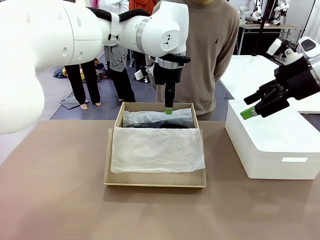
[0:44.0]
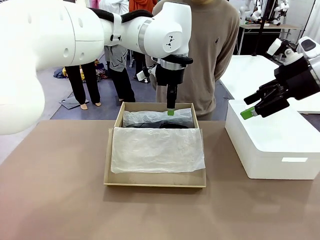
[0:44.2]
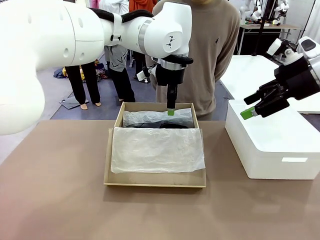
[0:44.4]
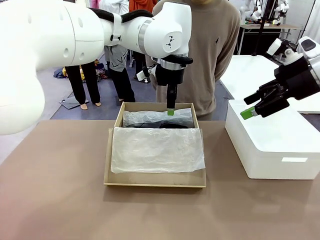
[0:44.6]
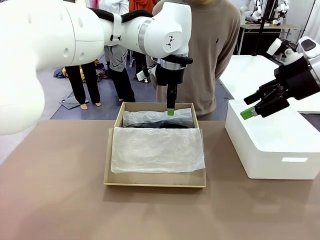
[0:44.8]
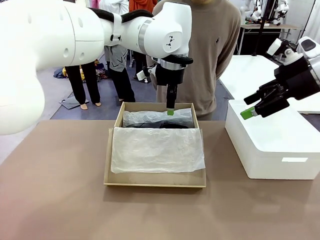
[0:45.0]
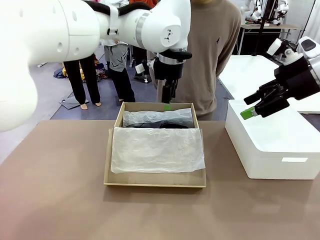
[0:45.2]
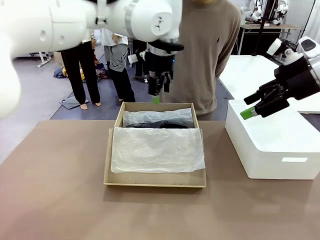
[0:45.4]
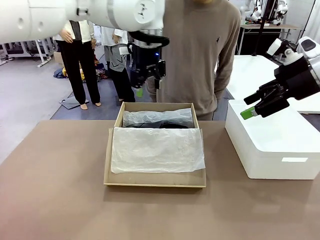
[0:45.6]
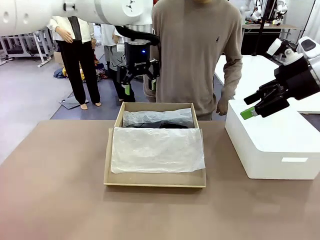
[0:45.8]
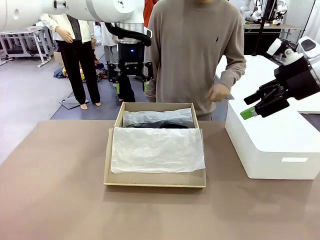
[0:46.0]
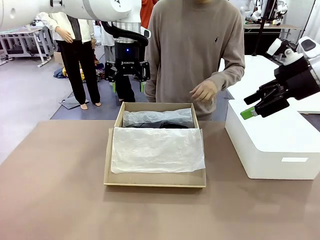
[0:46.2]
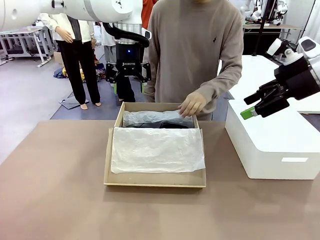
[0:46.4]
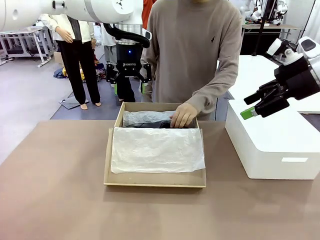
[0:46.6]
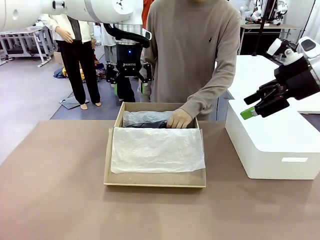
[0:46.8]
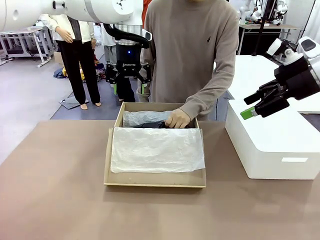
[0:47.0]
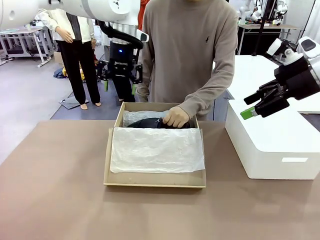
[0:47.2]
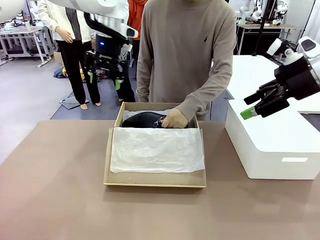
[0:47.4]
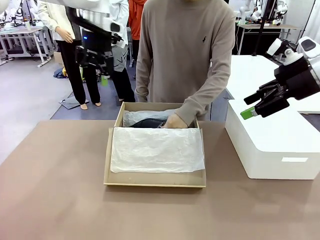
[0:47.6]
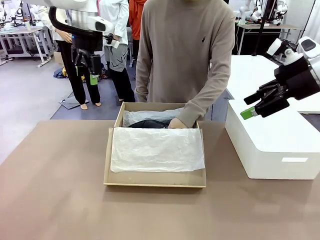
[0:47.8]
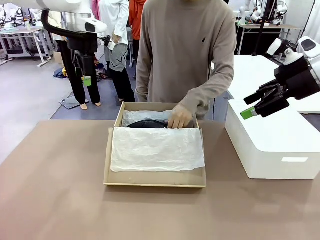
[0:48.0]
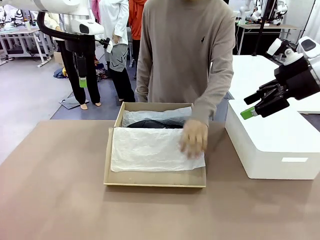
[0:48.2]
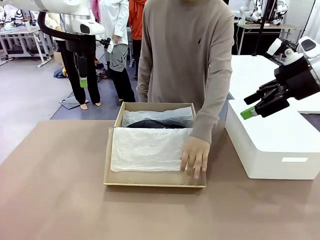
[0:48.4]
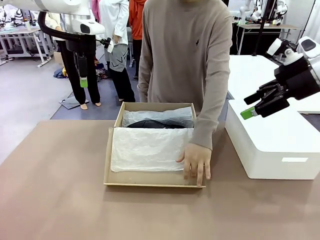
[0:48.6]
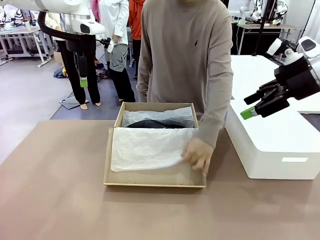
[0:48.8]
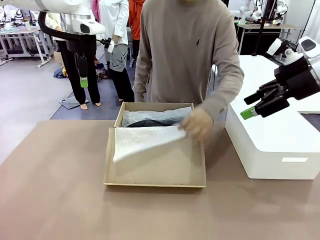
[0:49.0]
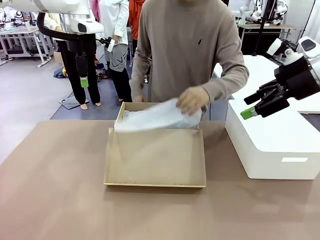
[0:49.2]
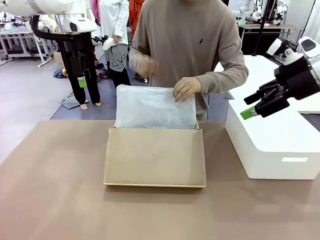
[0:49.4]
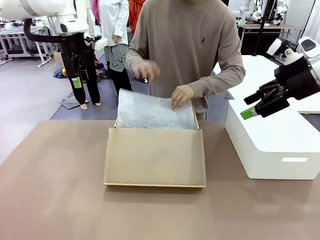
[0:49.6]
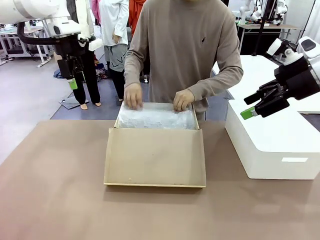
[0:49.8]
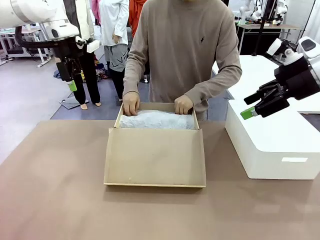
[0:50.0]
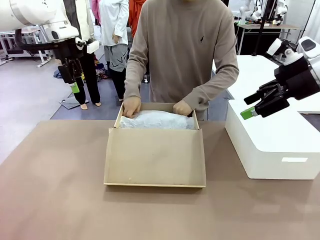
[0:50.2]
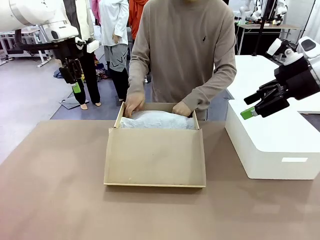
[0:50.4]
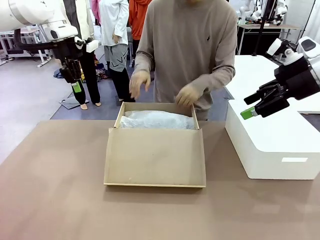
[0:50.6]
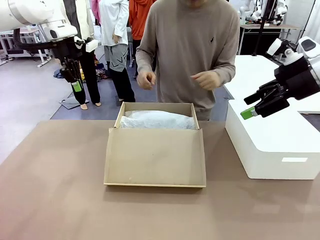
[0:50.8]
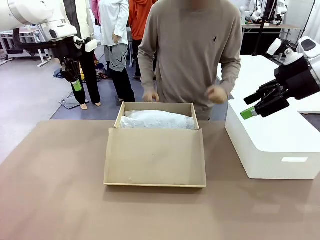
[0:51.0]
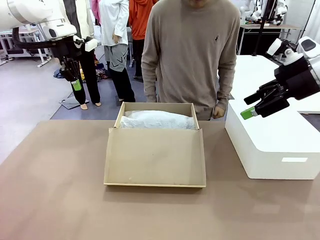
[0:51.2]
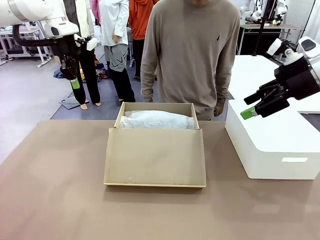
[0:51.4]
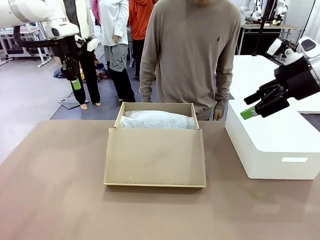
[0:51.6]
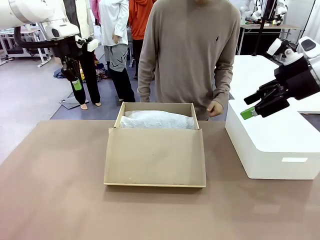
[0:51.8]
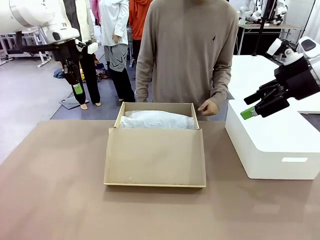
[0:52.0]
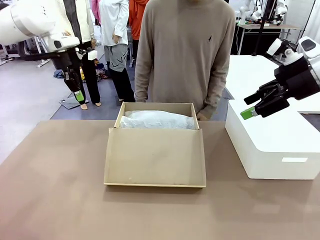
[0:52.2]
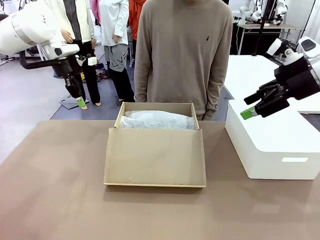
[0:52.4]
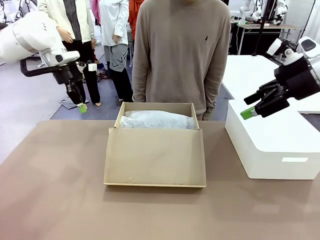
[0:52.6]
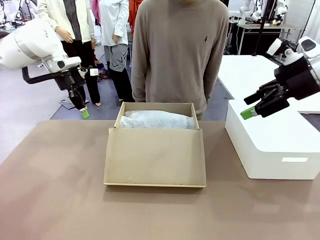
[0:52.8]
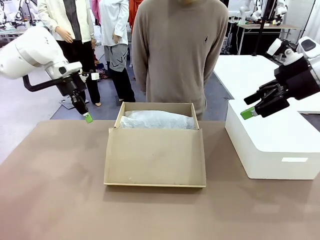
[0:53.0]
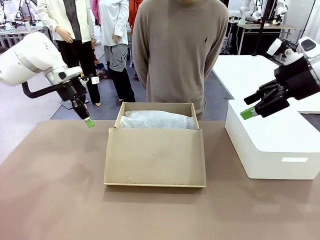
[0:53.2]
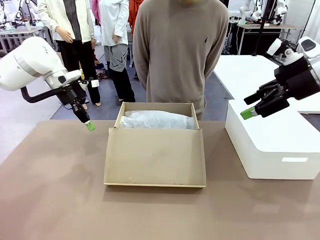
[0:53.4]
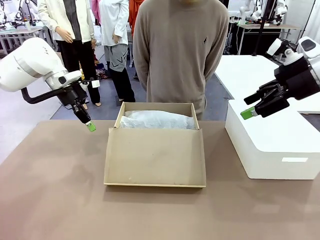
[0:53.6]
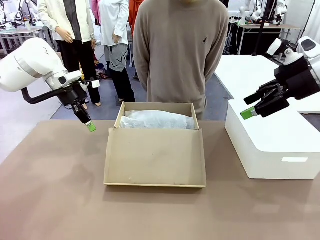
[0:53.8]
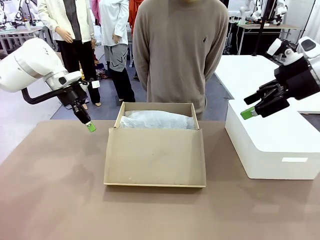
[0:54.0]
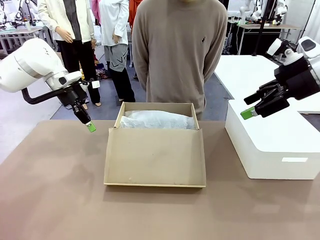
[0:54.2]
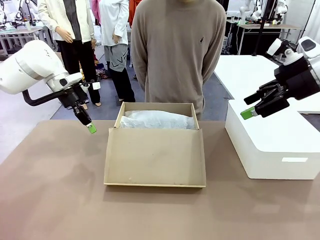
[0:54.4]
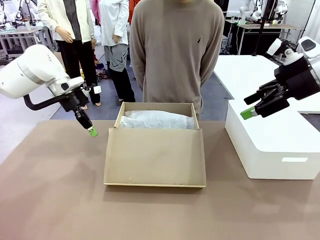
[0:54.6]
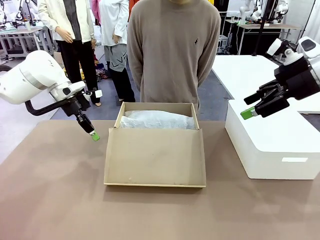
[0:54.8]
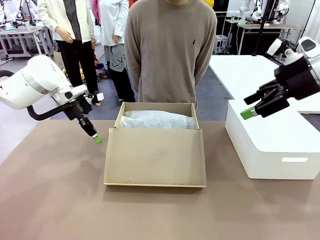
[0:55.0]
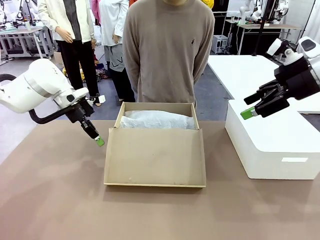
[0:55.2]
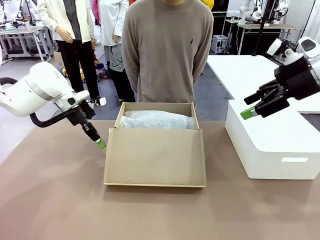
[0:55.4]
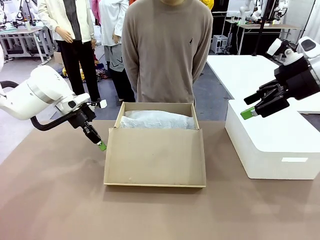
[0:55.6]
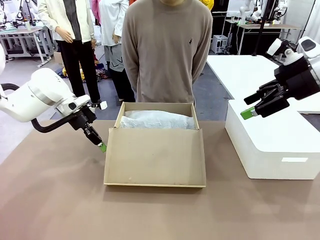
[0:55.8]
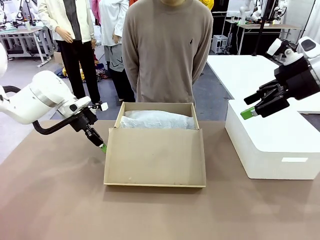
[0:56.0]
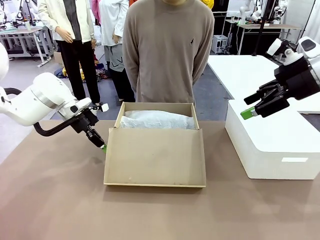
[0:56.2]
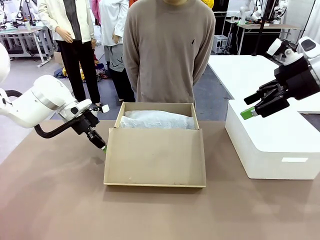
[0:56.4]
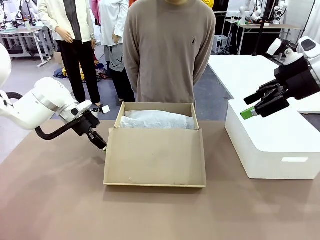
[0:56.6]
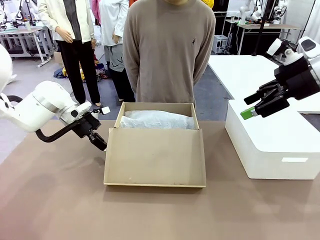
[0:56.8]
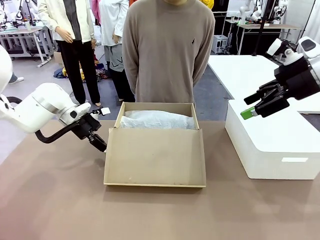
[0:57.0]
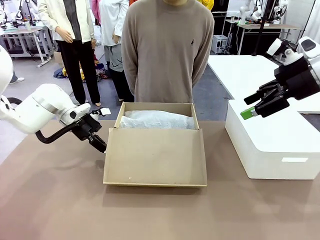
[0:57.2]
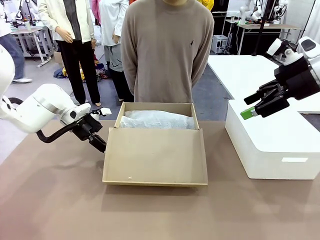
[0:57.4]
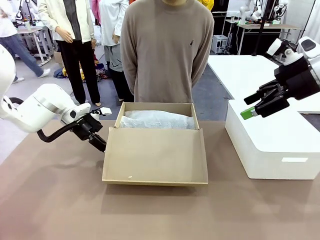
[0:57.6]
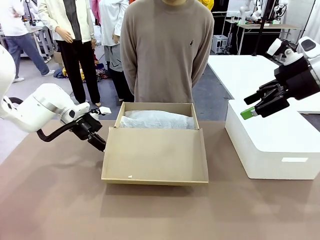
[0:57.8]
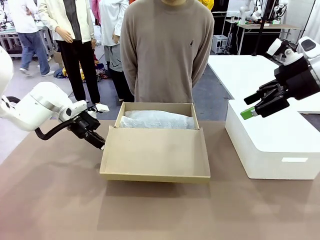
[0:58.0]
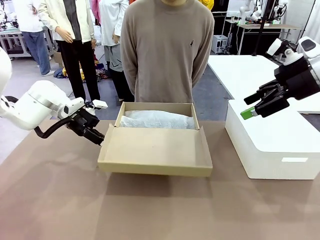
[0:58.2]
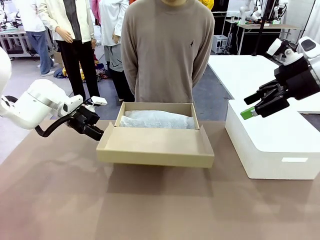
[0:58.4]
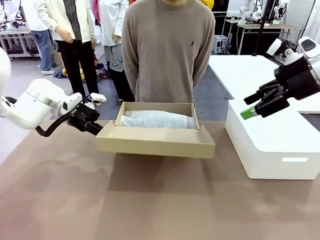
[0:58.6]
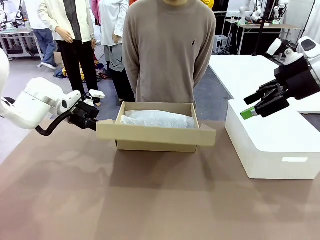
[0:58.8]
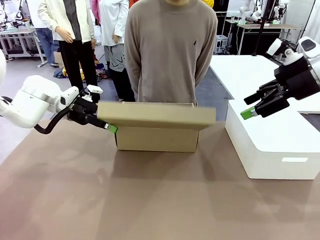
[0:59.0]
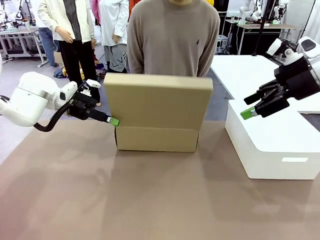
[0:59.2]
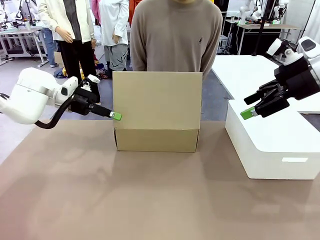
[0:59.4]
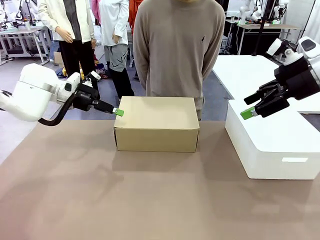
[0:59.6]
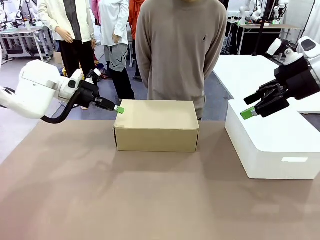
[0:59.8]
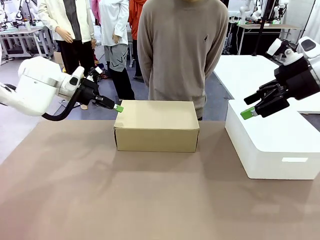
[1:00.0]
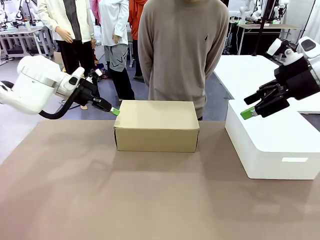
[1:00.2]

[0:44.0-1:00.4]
Task: Pack the shoes into the box.
Robot: Close the Shoes Box.
